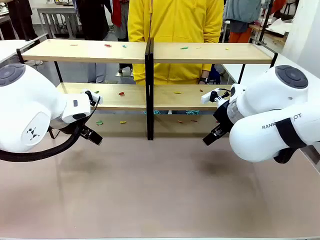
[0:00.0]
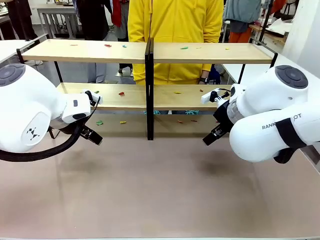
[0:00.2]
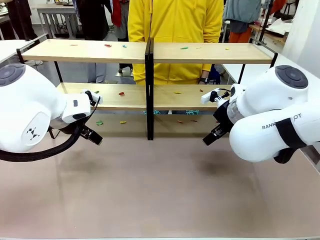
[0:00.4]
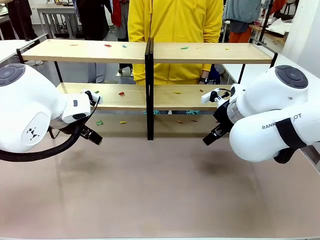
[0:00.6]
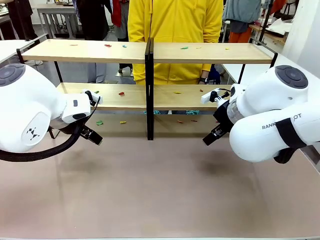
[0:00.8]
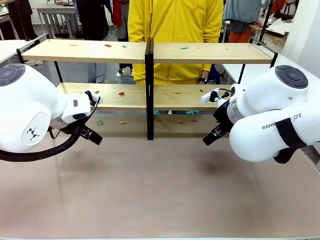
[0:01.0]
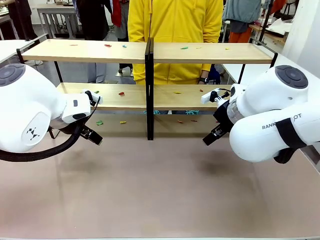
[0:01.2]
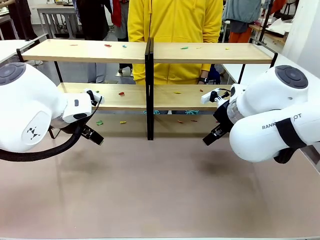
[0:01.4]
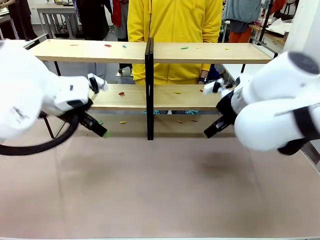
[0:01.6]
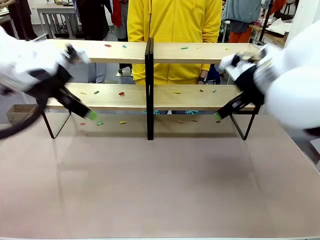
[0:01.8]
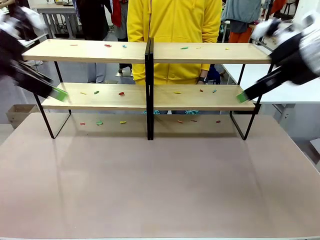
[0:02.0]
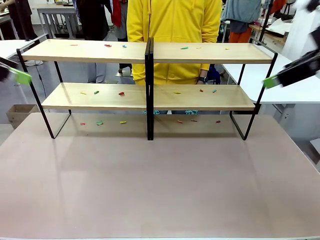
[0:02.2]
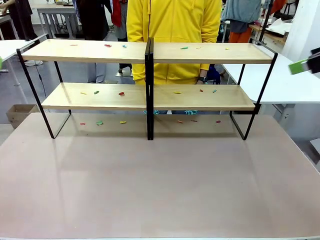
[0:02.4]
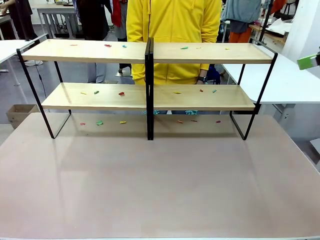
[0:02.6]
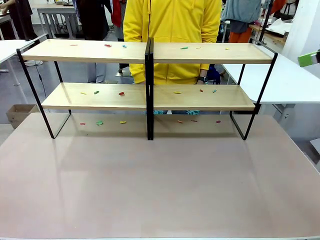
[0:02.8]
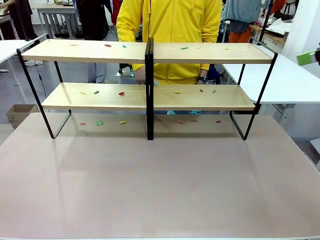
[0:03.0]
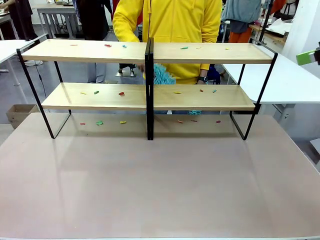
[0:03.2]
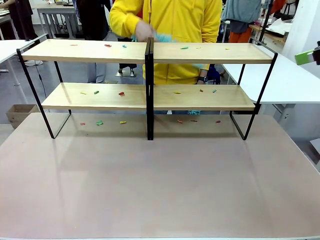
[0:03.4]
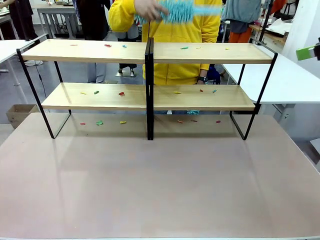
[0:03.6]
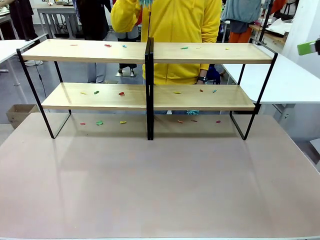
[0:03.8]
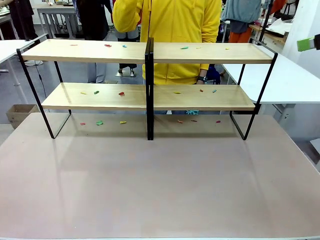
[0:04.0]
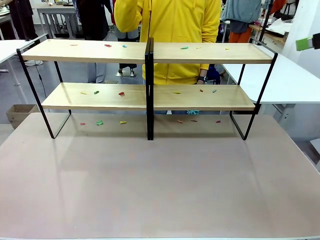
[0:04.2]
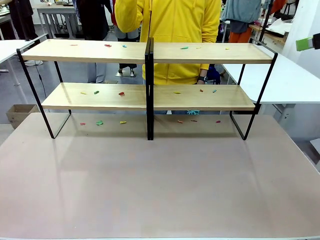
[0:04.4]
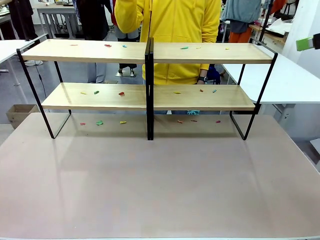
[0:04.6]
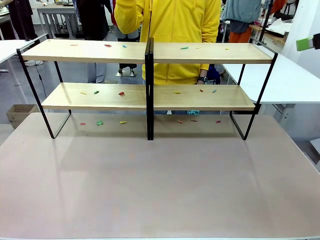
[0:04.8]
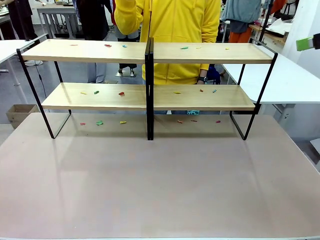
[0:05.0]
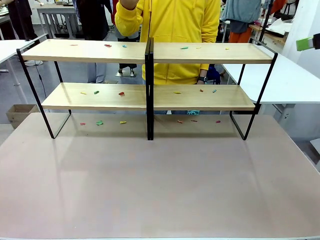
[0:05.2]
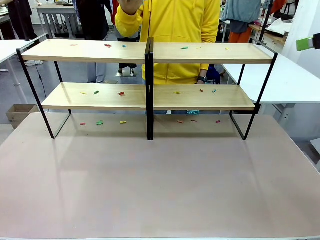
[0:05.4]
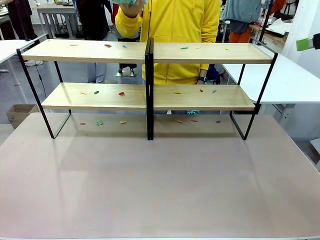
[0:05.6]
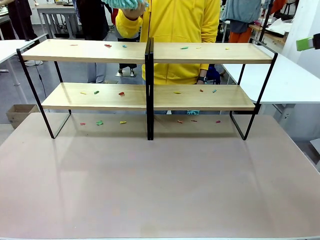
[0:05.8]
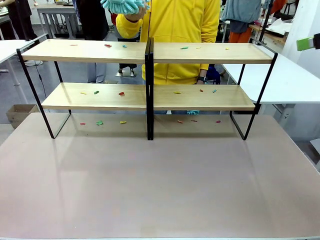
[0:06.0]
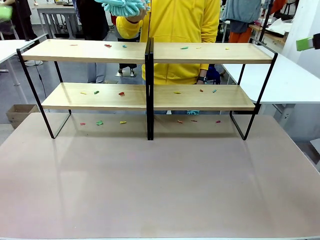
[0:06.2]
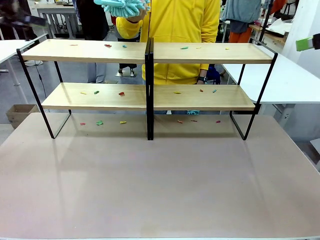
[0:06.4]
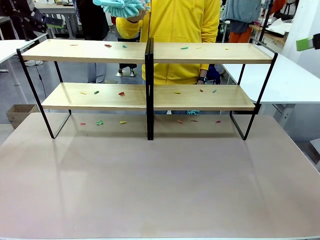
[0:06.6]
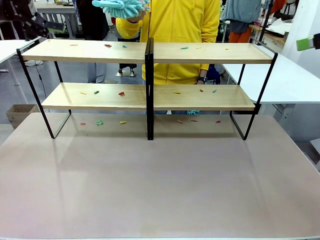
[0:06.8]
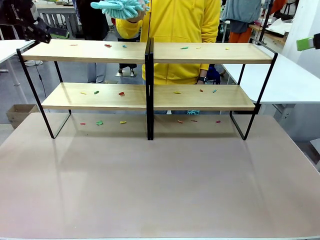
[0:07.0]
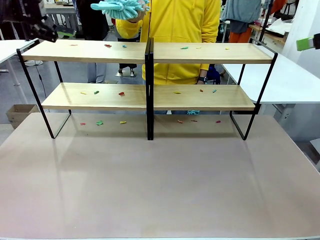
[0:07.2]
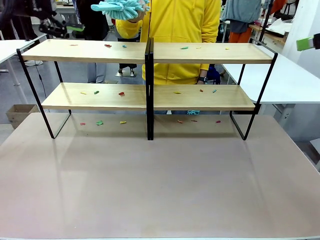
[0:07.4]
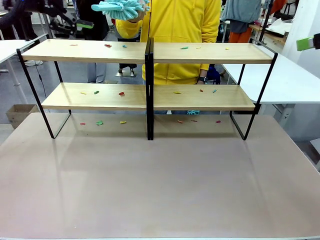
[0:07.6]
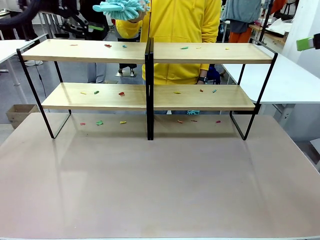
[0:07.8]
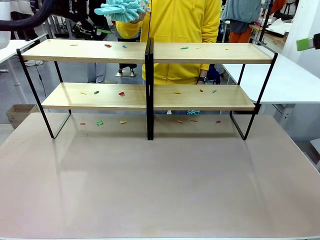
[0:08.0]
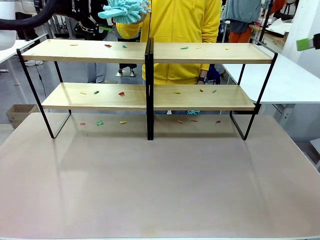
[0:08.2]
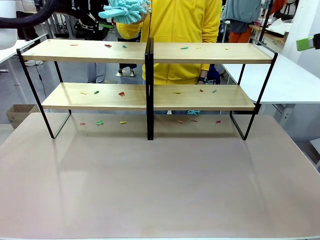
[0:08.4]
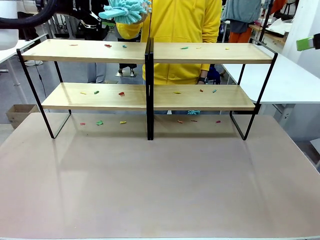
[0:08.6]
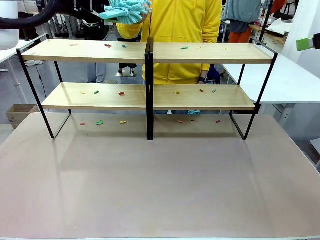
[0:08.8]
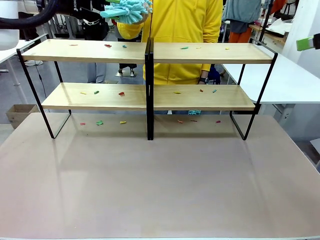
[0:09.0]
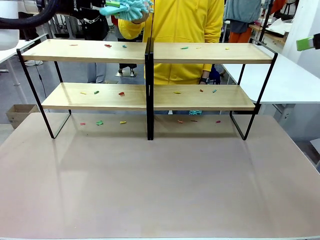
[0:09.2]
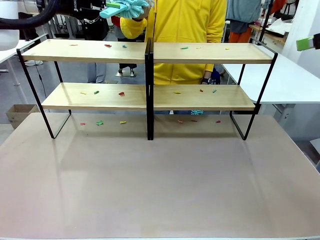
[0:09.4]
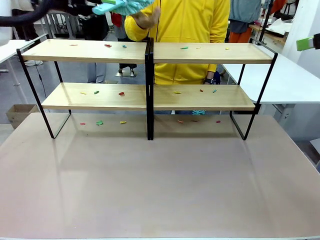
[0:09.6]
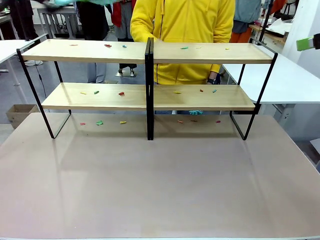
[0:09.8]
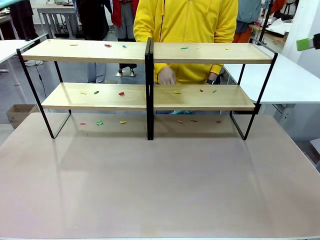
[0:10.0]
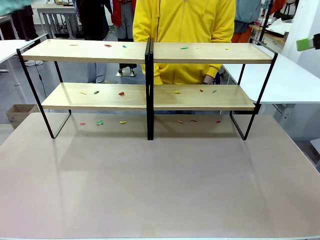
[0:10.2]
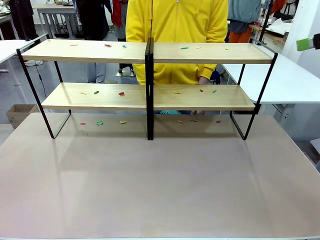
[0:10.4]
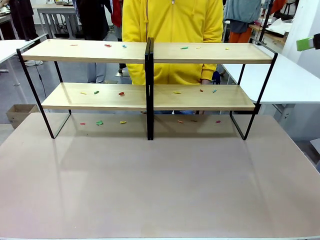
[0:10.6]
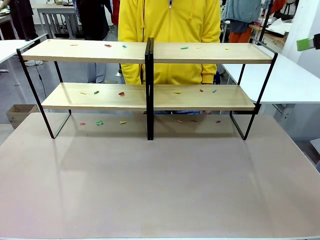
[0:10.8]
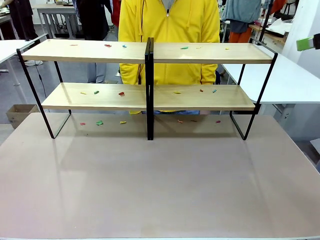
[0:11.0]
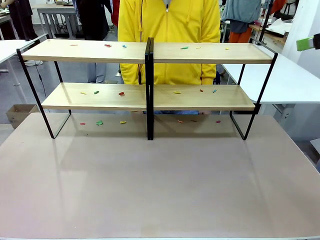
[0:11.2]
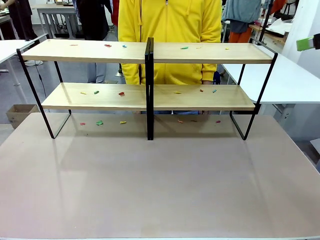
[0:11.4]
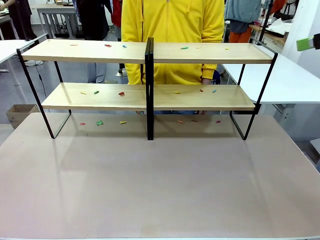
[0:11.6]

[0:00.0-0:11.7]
Task: Clean the shelves.
Robot: Pick up the Duster when the human hands it over.
Person: Hand the Duster to the robot with your right (or left) hand.

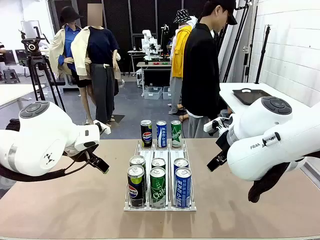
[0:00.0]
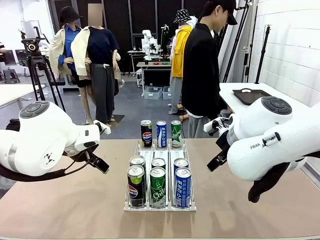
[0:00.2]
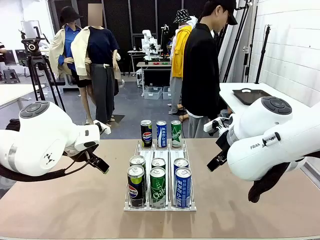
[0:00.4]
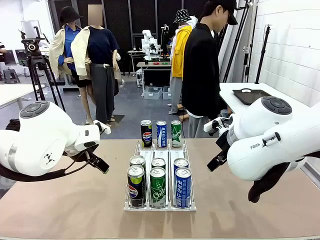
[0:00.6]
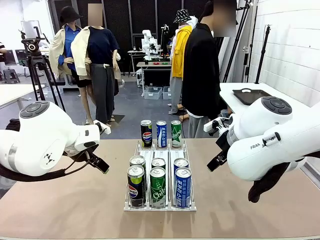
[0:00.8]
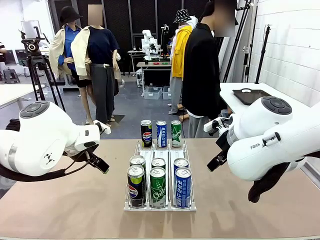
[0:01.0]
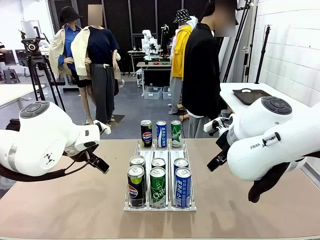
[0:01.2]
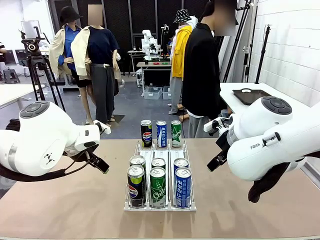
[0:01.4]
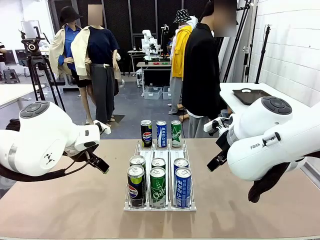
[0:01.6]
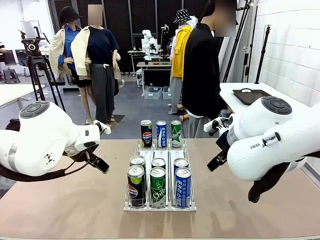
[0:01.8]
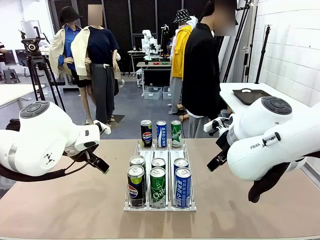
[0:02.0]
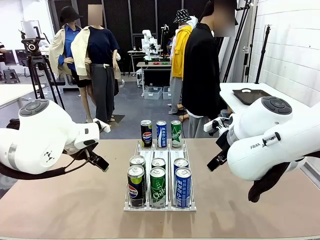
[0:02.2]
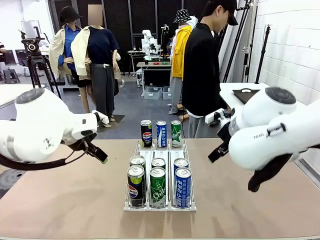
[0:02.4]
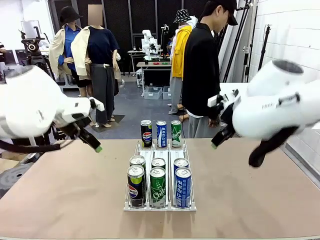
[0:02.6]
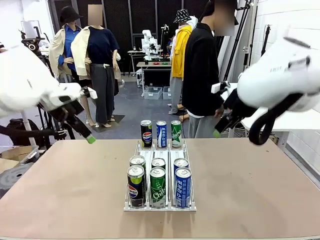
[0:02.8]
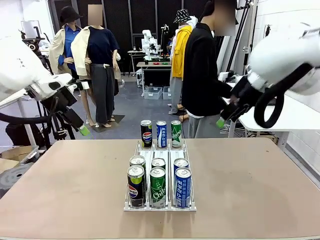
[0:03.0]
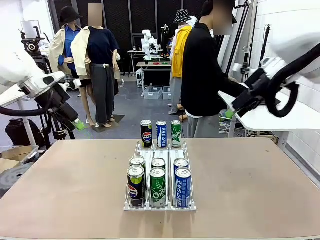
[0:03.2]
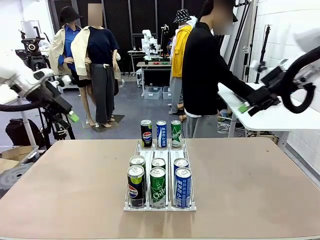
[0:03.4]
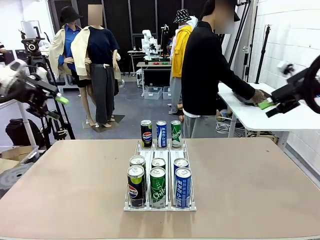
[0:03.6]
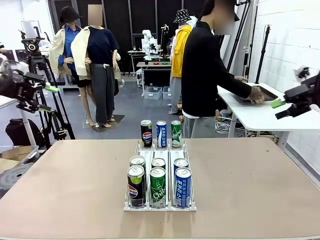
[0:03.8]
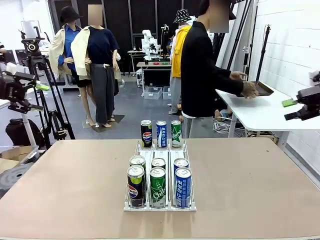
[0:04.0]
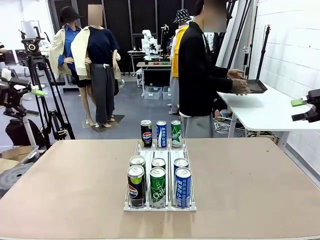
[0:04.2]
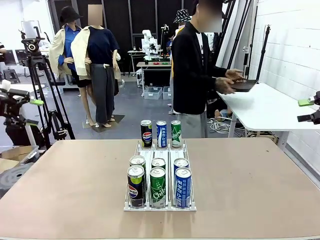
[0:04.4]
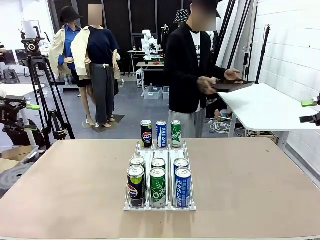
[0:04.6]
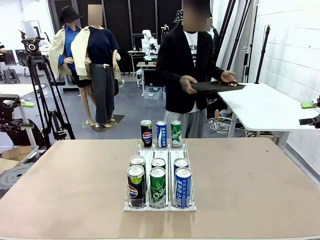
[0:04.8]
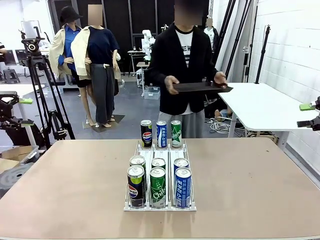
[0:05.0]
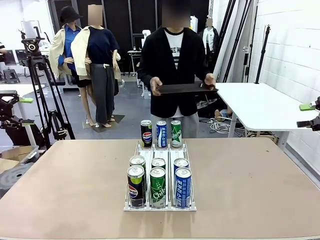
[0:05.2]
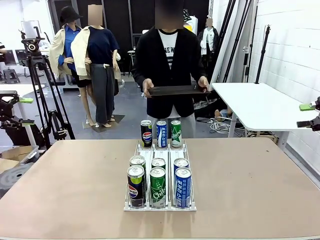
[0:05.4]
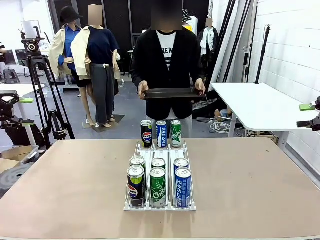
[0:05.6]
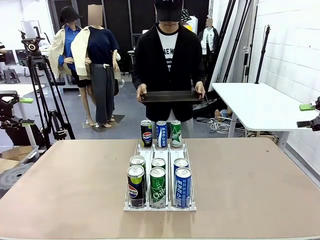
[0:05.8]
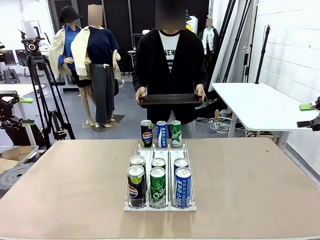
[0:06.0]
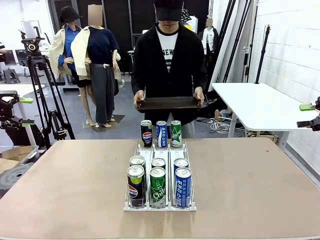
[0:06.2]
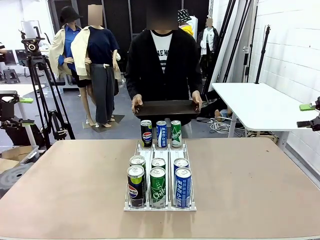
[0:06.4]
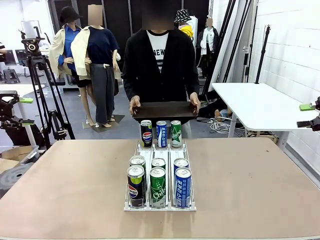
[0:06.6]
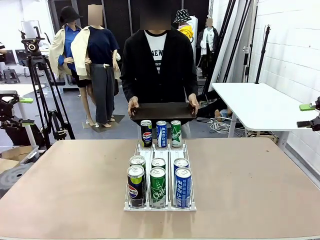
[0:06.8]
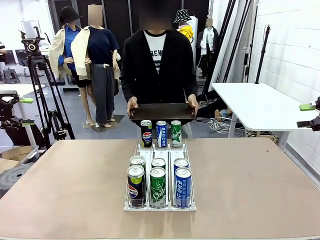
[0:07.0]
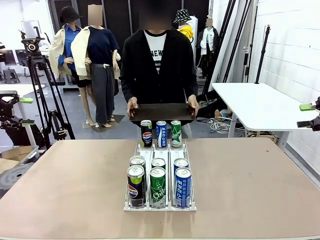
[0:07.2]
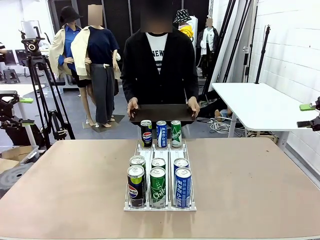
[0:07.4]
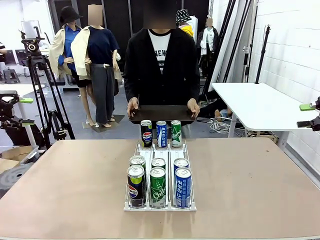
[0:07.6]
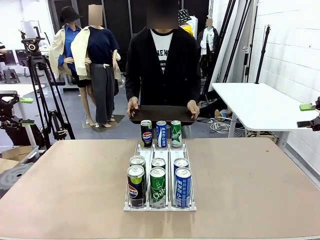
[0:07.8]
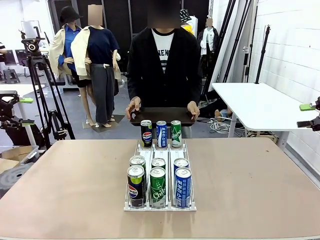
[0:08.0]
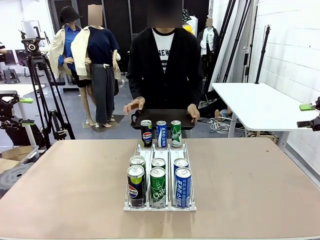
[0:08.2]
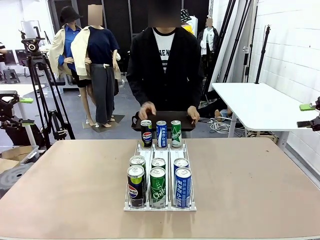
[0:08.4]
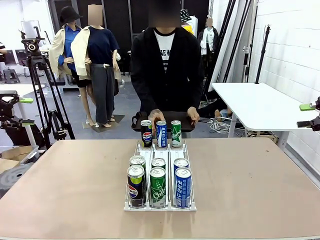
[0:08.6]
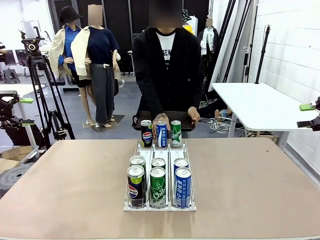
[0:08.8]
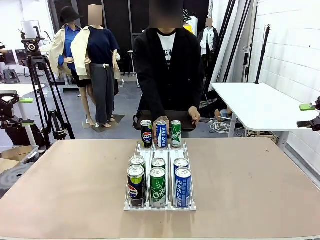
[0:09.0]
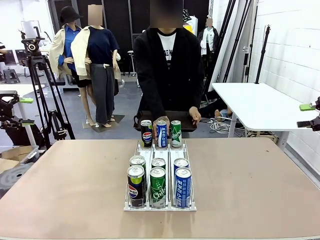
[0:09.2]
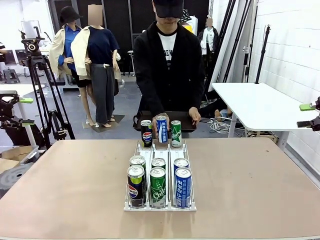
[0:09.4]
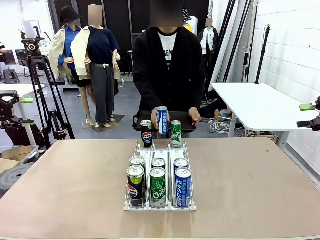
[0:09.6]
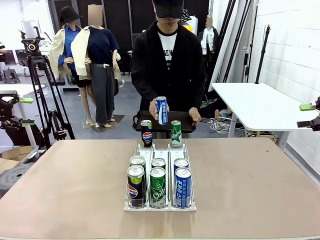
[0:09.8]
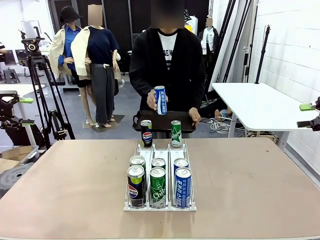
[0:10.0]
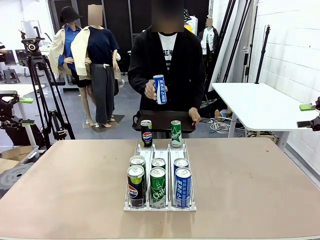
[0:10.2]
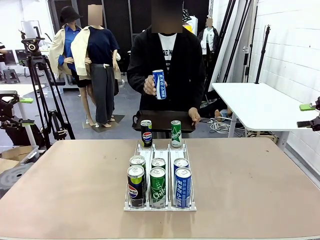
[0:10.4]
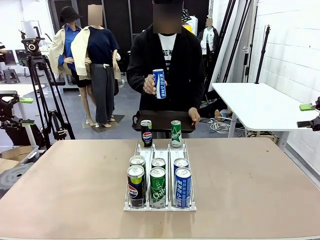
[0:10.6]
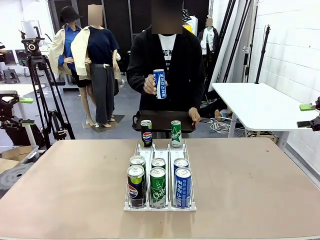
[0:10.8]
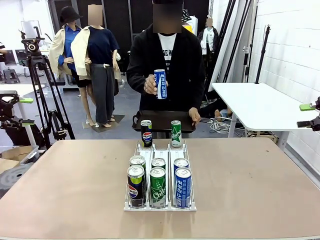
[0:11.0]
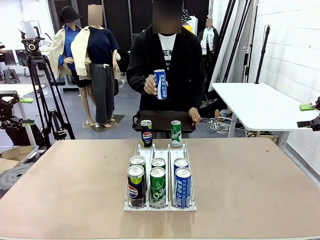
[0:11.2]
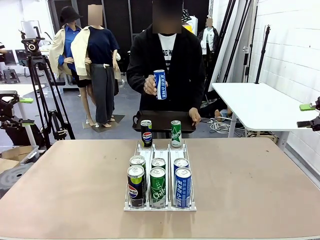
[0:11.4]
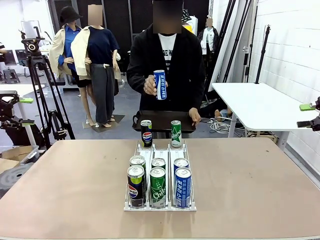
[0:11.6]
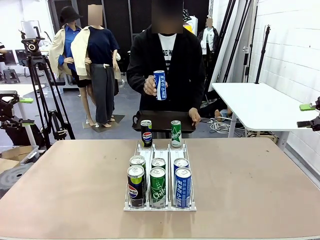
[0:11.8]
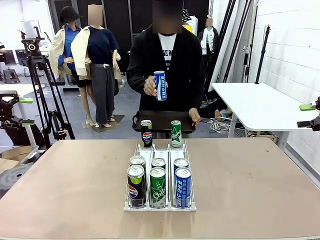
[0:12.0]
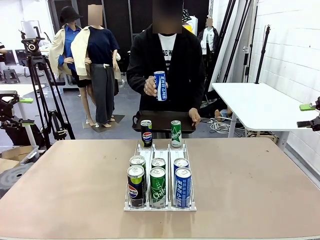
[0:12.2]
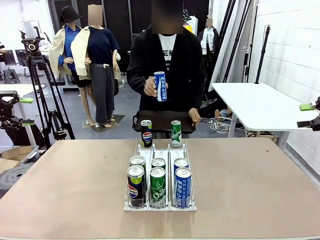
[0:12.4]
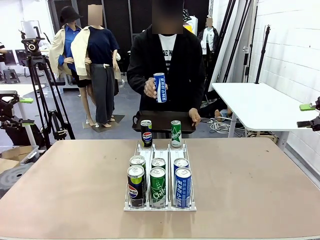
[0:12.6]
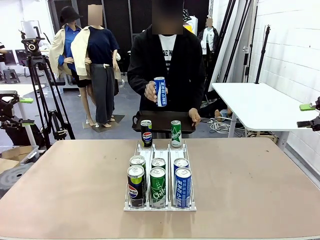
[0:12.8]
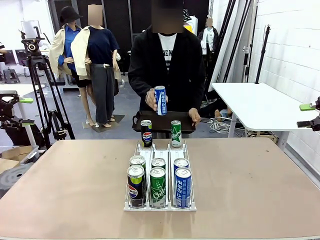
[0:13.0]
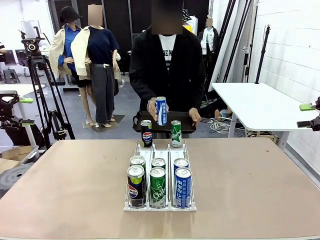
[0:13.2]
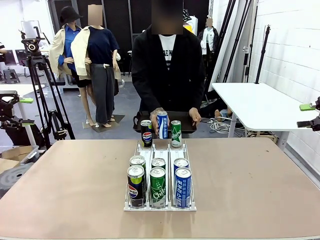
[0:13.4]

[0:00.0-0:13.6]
Task: Retrieve and hand over the desired beverage to the person.
Robot: Pick up a can of the same type that the person held from the Automatic Can Dispenser.
Person: Hold the tray and position yourself in front of the robot table. Pick up one can from the bottom area of the table and puts it back in its original place.
